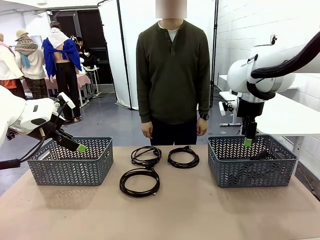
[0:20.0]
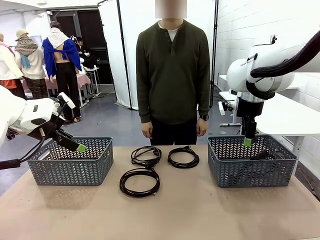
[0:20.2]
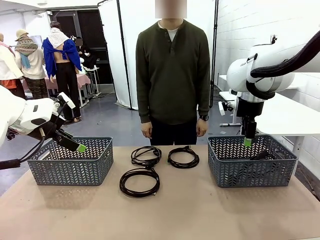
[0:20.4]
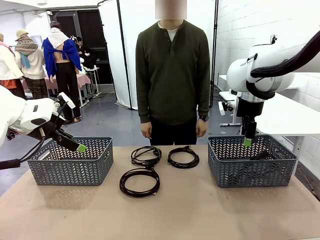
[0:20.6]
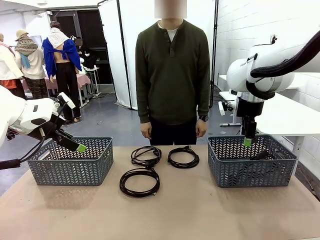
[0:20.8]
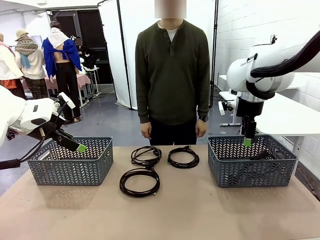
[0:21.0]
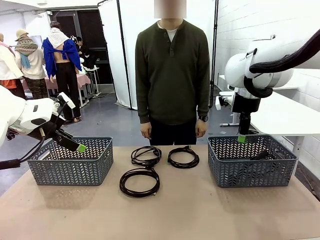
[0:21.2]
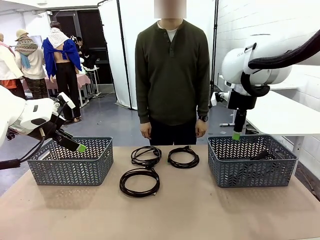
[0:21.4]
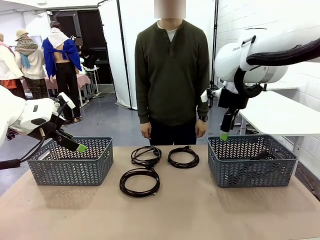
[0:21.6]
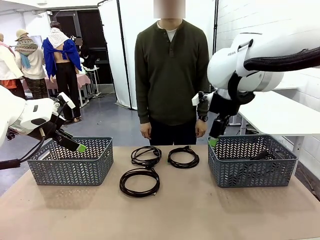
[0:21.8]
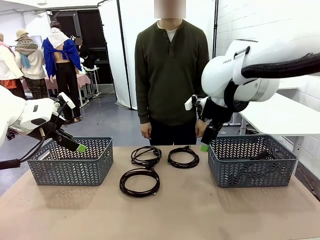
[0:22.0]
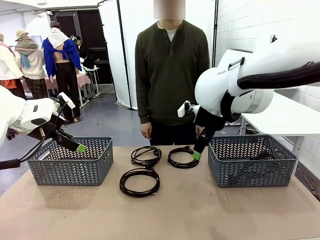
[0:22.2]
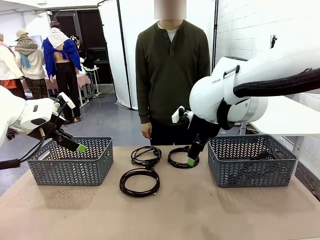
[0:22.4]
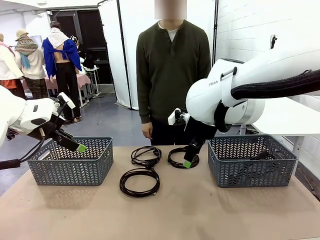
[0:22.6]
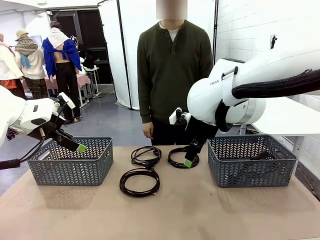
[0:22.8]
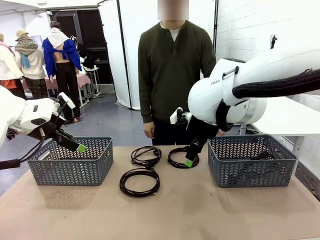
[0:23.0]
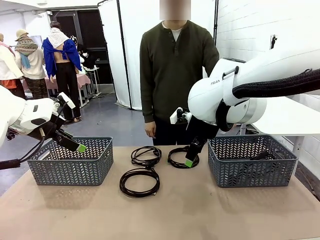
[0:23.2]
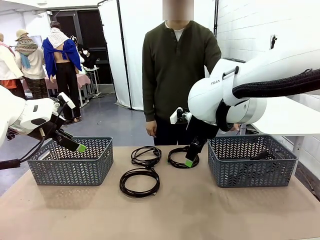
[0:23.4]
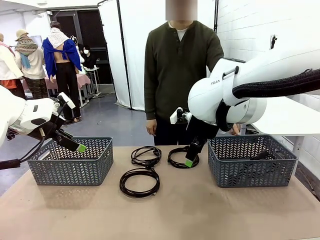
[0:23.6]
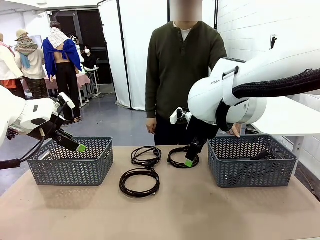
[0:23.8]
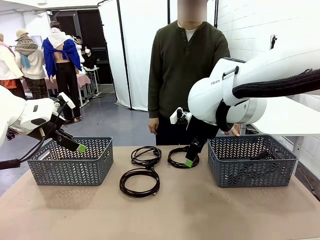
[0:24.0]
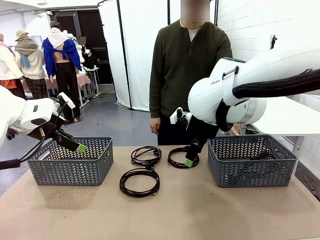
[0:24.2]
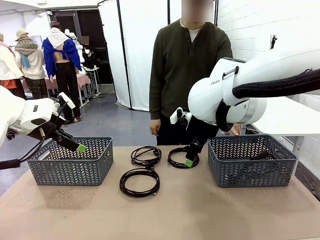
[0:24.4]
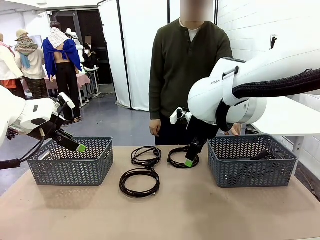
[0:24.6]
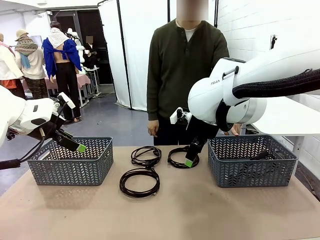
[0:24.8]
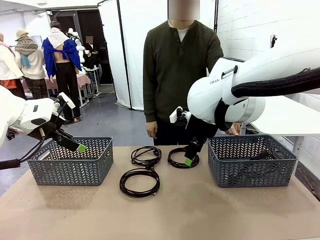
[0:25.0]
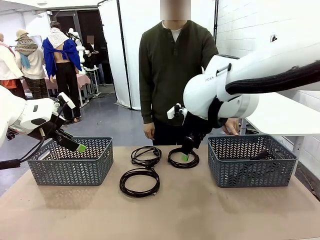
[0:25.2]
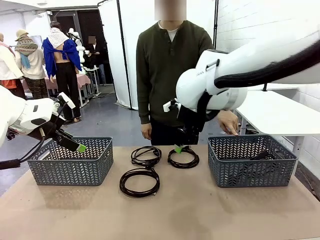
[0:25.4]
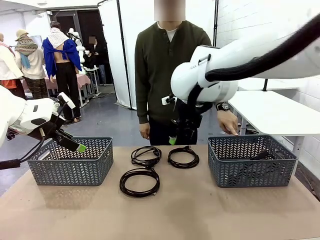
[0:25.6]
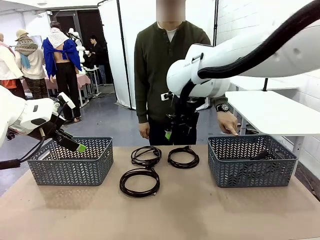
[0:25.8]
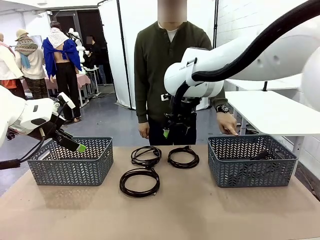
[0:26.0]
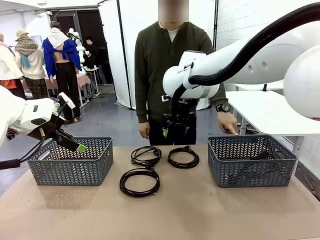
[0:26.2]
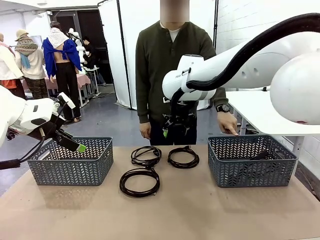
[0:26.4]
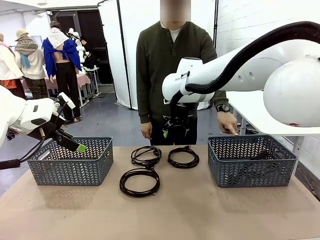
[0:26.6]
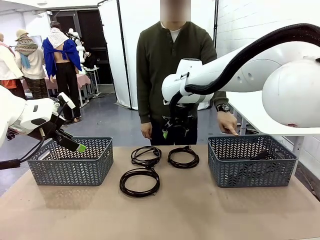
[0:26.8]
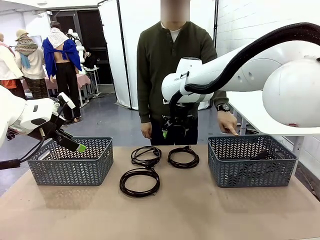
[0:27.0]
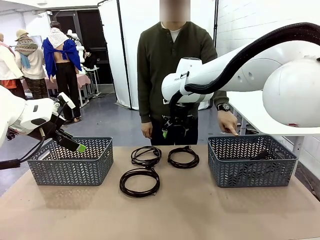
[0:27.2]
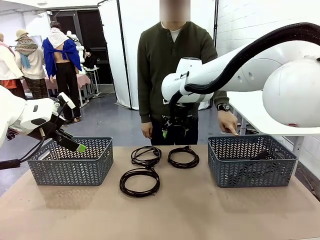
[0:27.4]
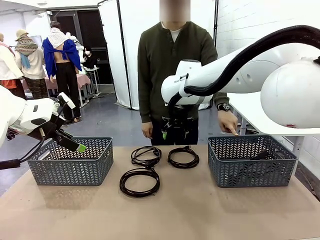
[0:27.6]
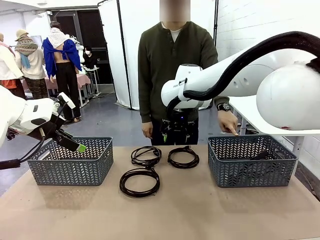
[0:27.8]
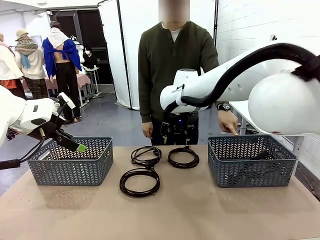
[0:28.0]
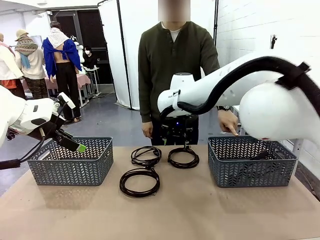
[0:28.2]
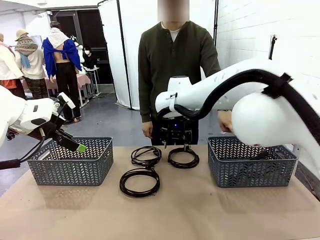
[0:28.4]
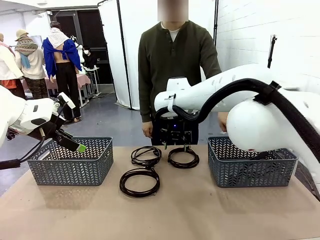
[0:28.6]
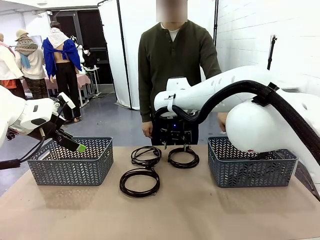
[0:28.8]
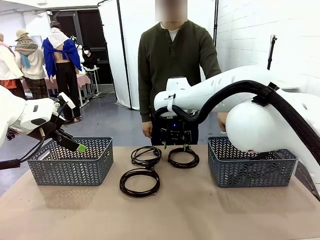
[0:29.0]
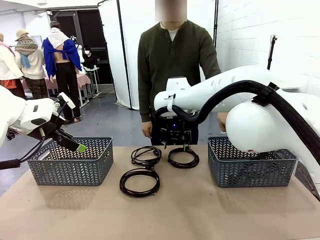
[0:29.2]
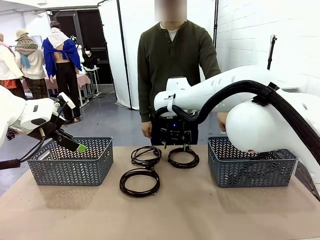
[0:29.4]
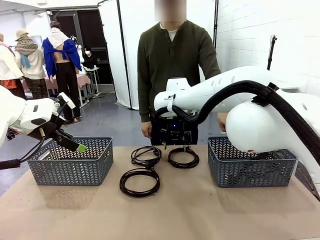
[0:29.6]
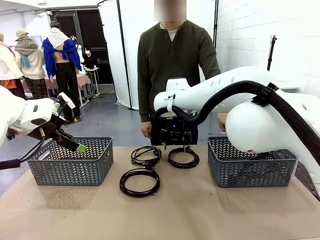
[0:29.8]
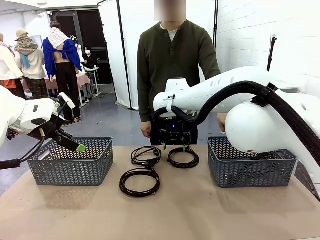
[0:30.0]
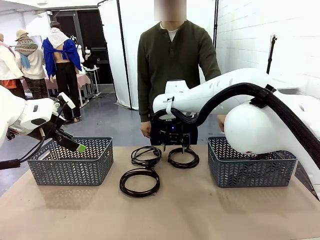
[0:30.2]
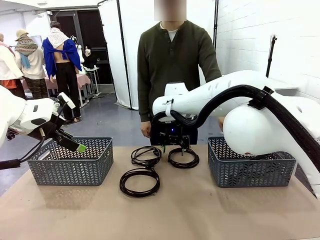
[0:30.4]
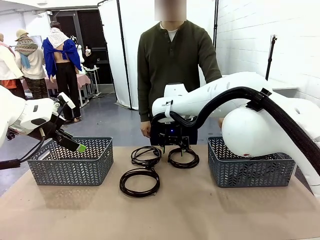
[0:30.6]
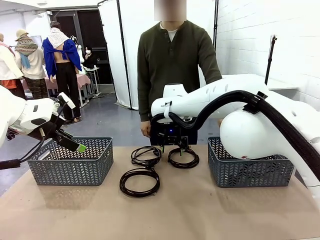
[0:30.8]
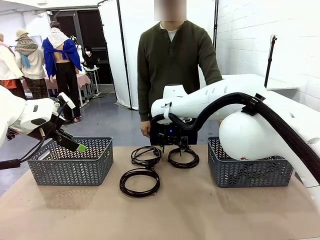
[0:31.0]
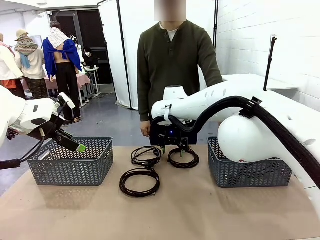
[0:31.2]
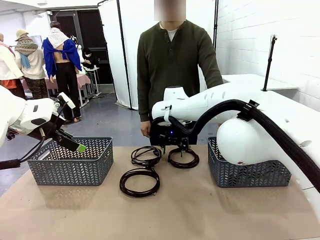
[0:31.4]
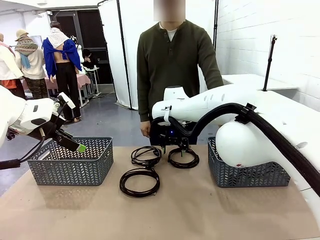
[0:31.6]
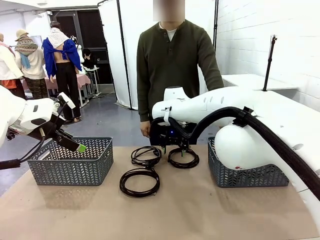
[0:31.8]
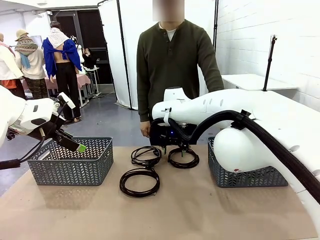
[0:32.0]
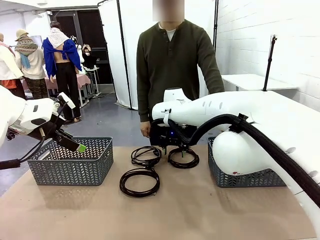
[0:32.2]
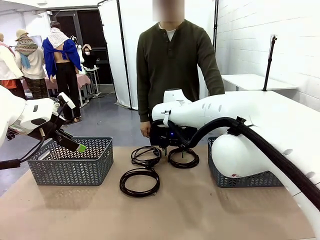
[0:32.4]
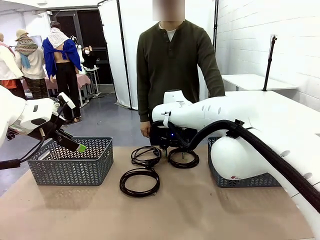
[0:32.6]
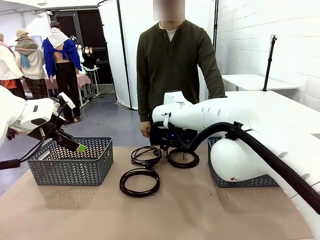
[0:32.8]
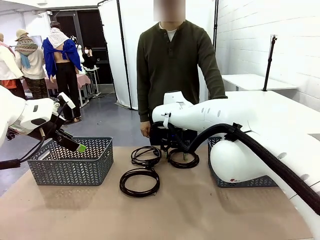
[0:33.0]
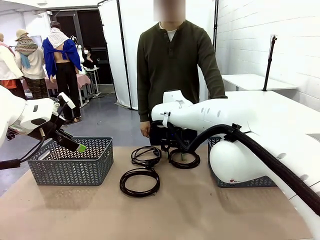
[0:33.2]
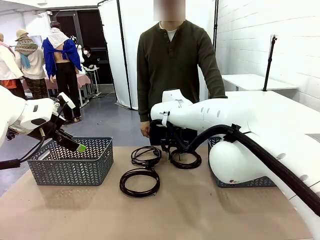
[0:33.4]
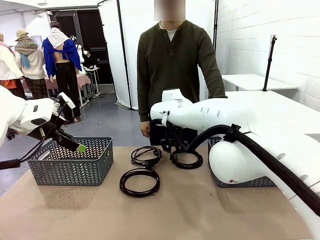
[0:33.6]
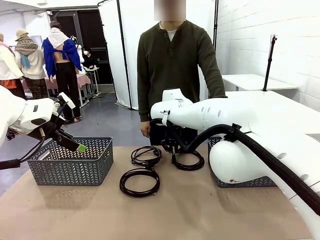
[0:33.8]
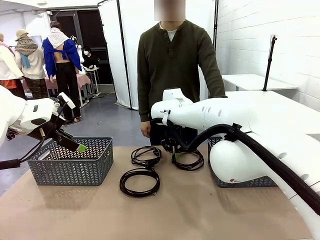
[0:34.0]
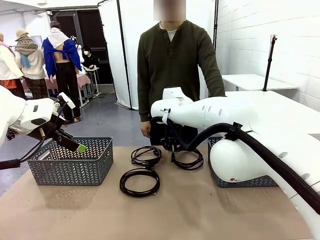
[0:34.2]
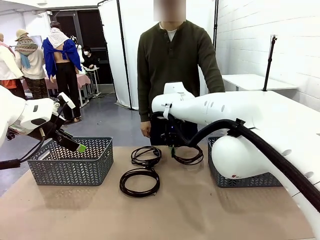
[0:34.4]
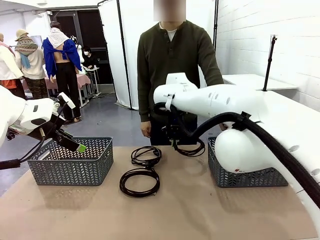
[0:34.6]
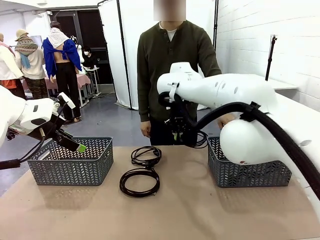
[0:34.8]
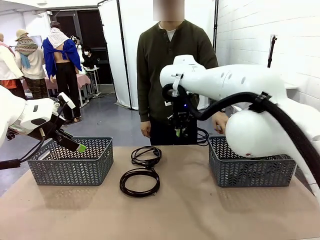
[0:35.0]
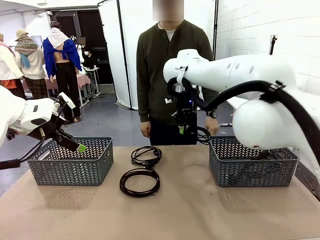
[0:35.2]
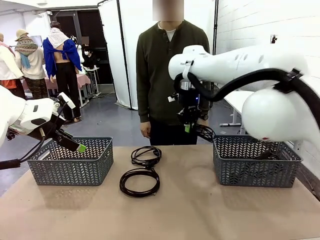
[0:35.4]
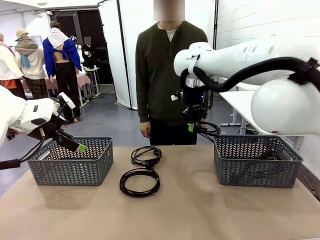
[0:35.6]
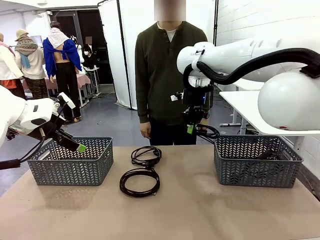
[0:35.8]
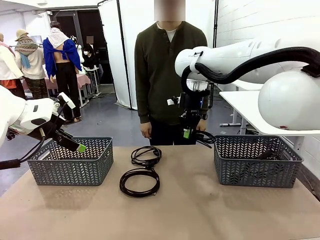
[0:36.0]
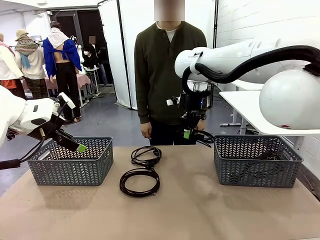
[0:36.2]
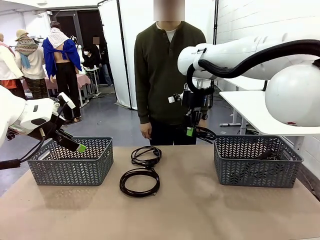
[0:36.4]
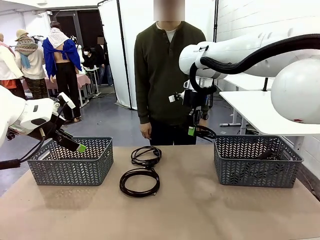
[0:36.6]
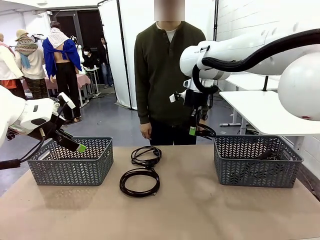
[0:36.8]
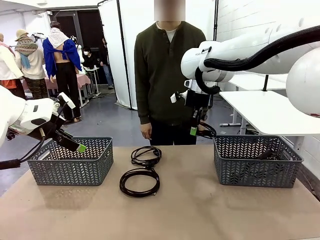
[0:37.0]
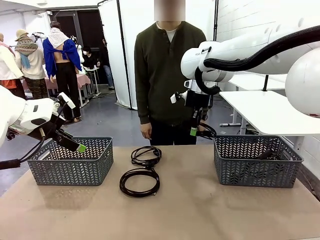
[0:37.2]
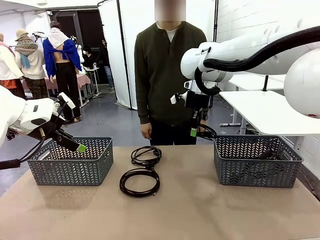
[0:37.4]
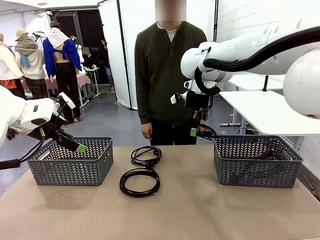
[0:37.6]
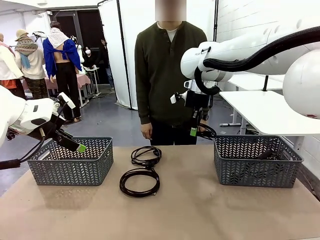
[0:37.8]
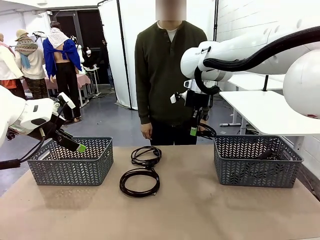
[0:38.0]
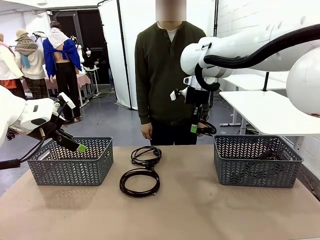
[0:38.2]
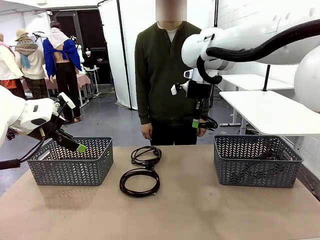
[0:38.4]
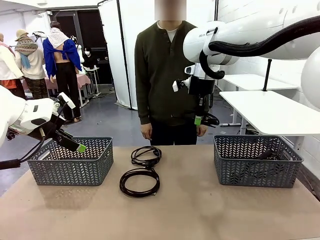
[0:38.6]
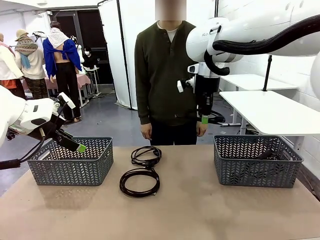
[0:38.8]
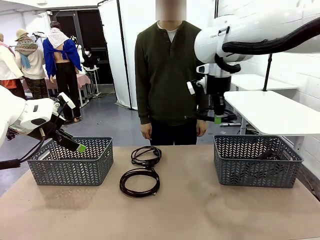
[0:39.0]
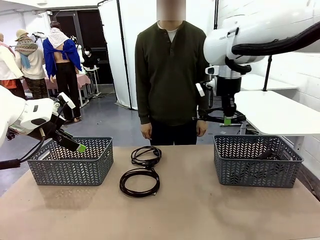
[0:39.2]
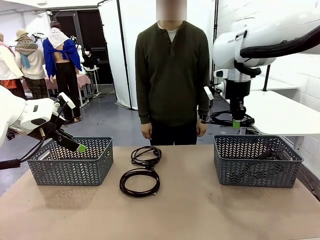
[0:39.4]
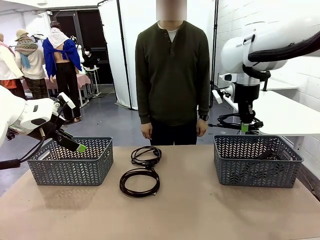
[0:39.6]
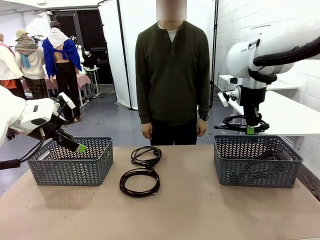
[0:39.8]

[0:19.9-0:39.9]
Task: Organize the cables according to human instructions.
Robot: Pick up a bundle of cables and place it in the basket indicated by the human.
